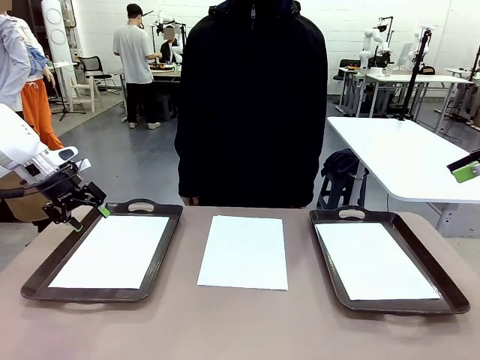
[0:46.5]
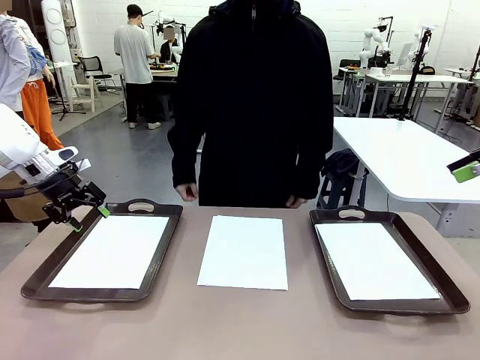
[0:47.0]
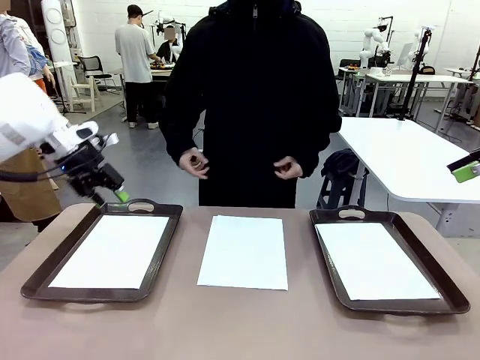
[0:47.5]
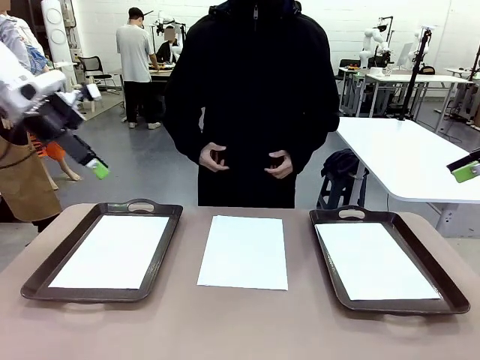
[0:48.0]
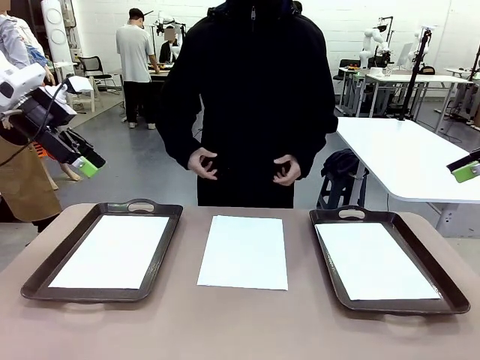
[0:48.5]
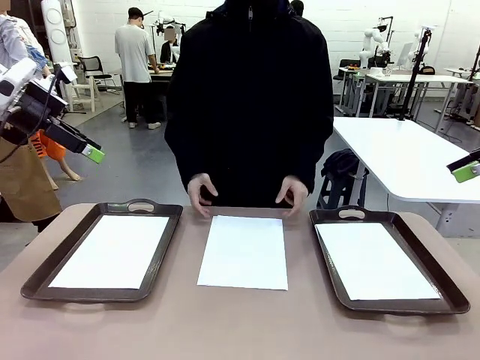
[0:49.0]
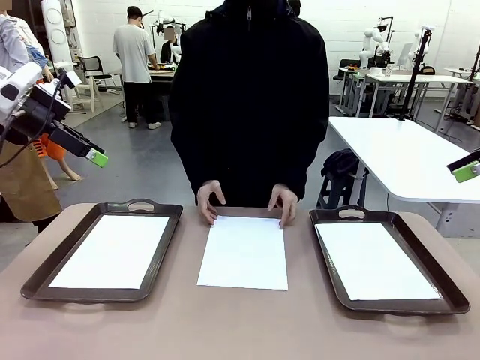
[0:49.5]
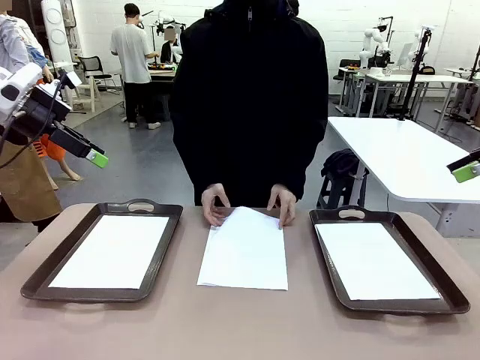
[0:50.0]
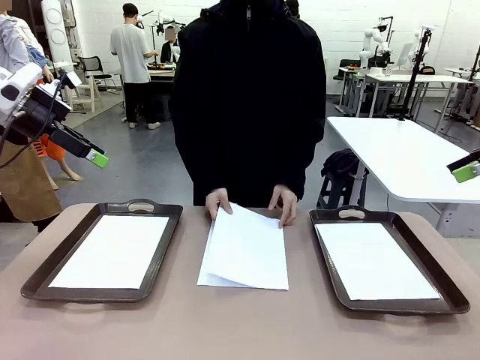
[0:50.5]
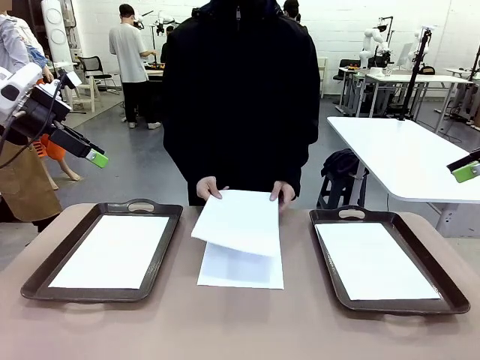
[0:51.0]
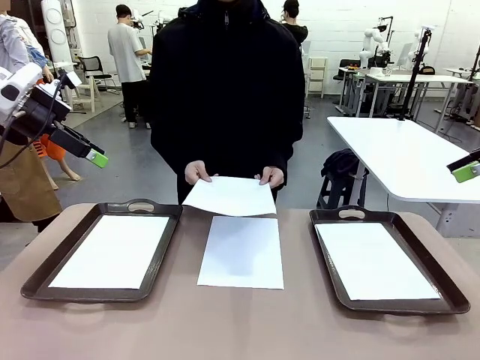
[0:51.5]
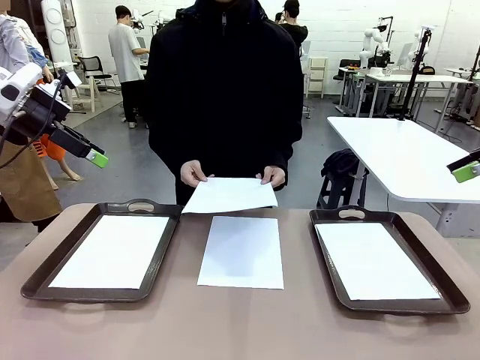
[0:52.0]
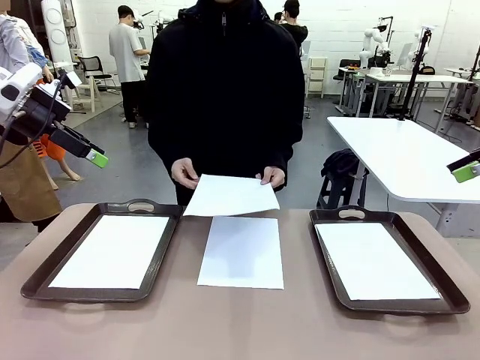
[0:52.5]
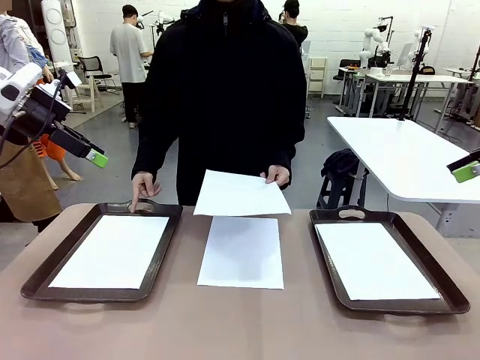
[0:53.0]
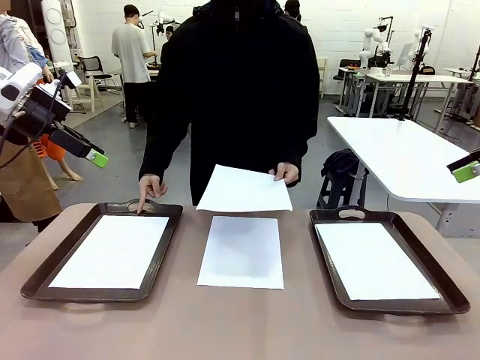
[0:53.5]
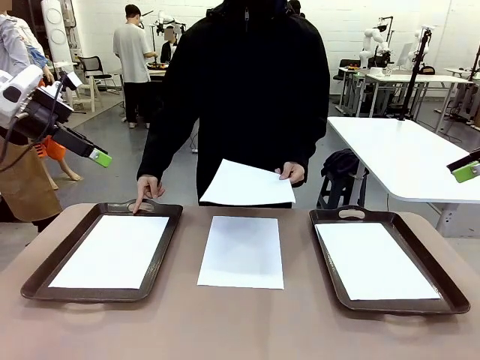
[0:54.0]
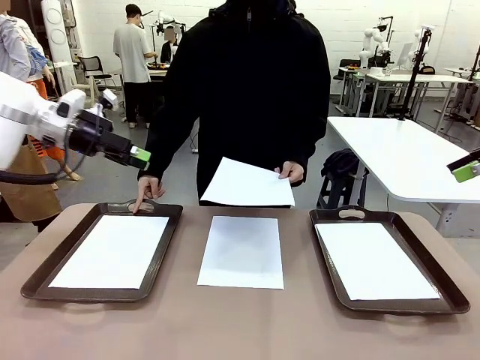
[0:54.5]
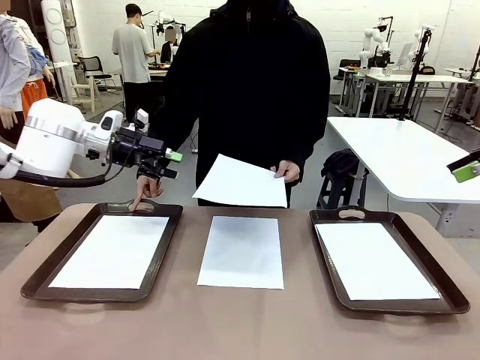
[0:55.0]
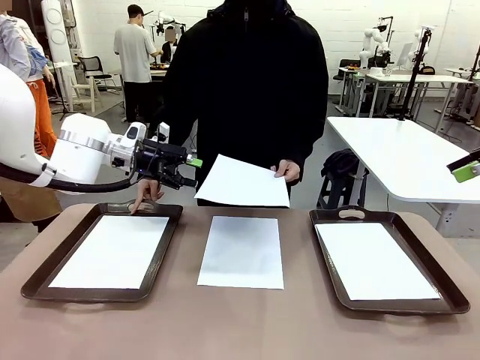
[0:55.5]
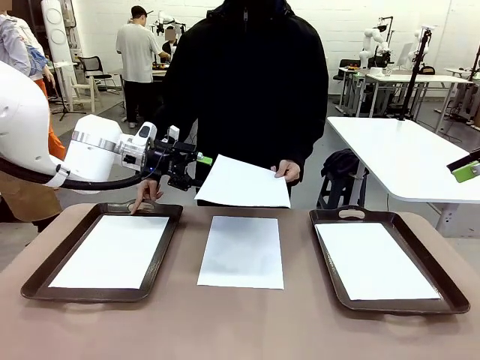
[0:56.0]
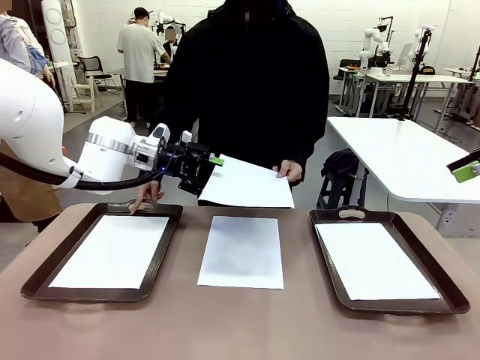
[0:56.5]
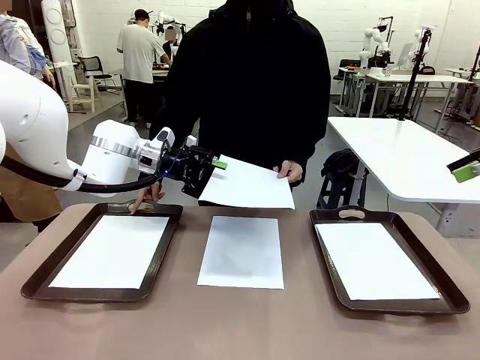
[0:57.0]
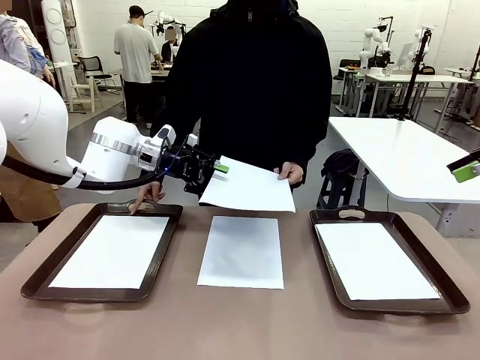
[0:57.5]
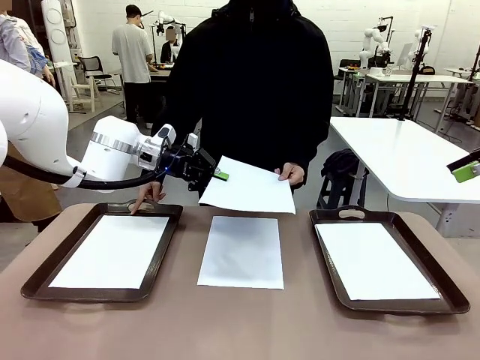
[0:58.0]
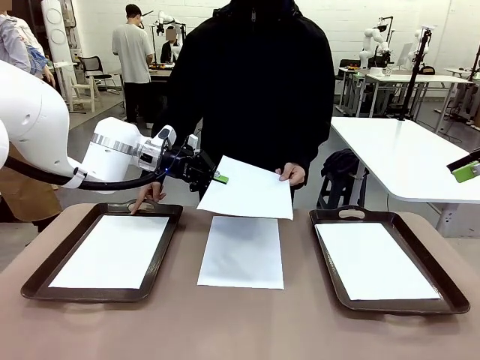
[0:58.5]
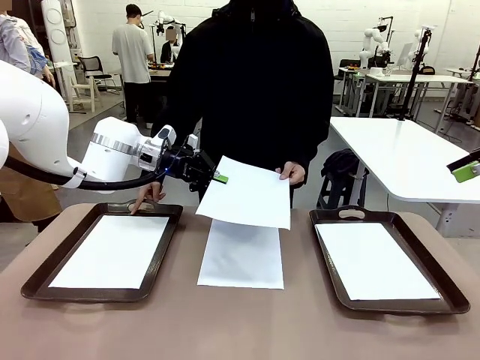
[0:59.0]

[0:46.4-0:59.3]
Task: Sort the A4 documents.
Robot: Receive the A4 Paper.
Person: Point the randomly selected tray with the other hand.

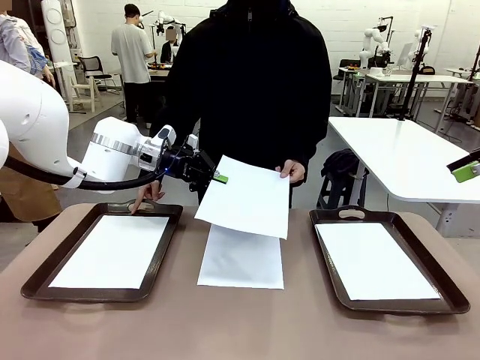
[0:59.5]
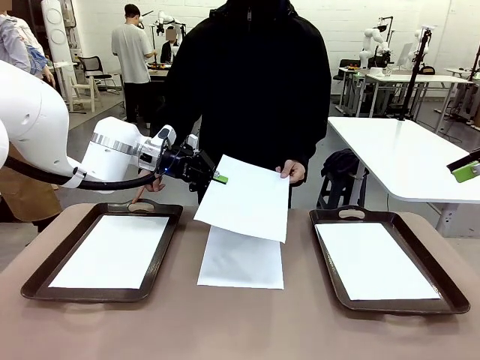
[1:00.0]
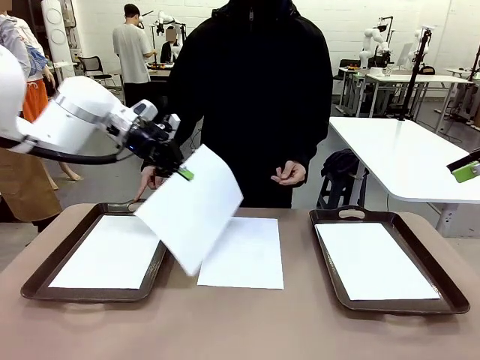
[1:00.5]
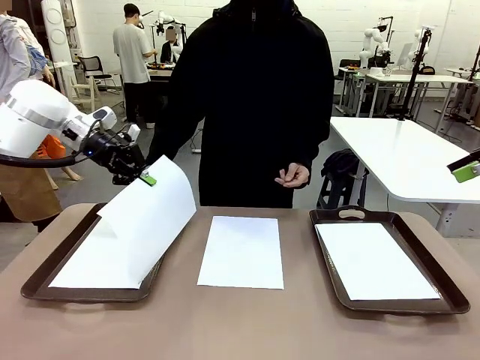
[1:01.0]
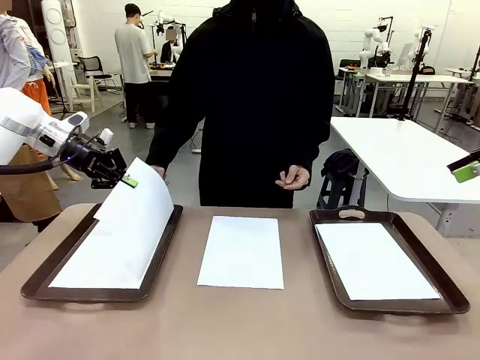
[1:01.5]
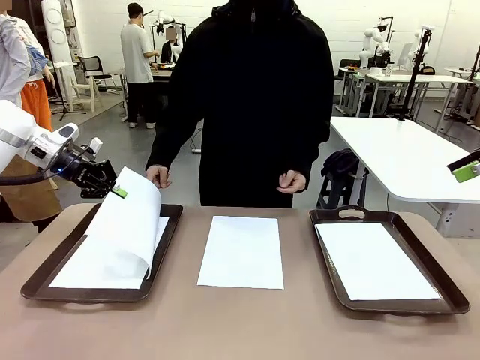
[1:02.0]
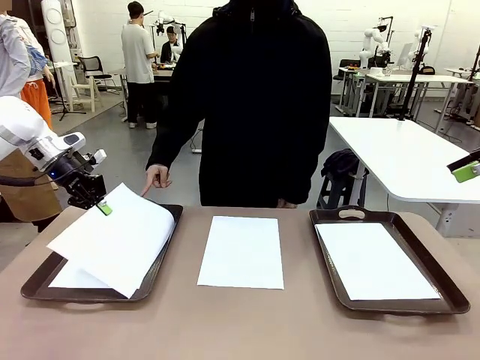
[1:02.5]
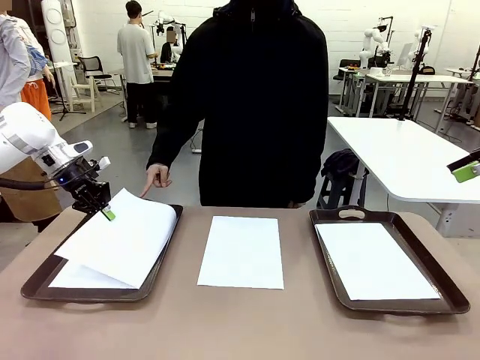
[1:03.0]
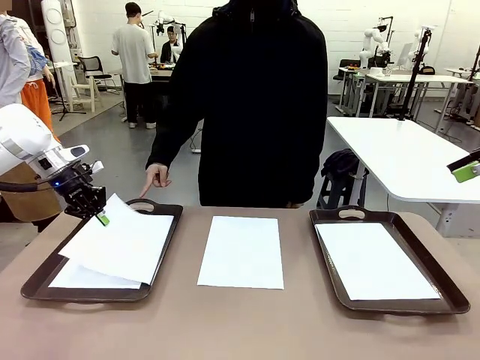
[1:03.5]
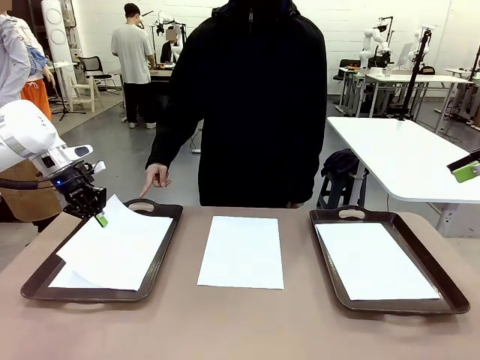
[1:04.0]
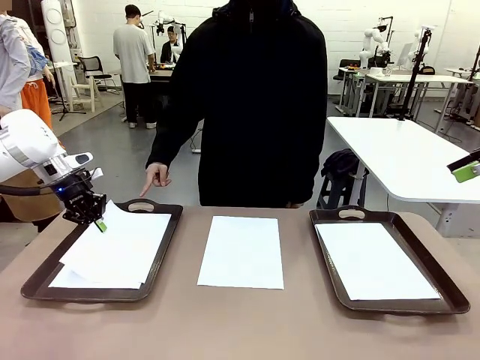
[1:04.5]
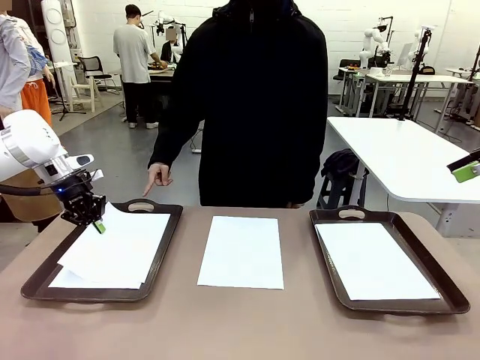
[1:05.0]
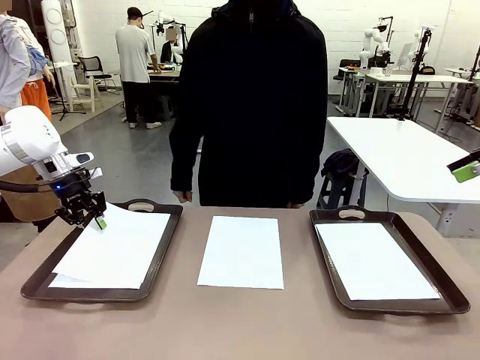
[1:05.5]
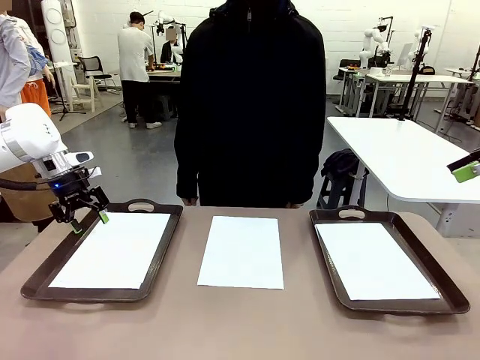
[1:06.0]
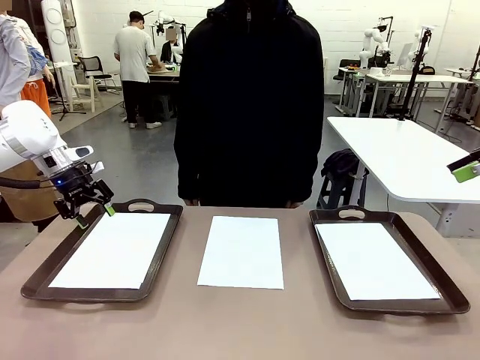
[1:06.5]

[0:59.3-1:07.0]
Robot: Place the A4 Paper in the designated Handle tray.

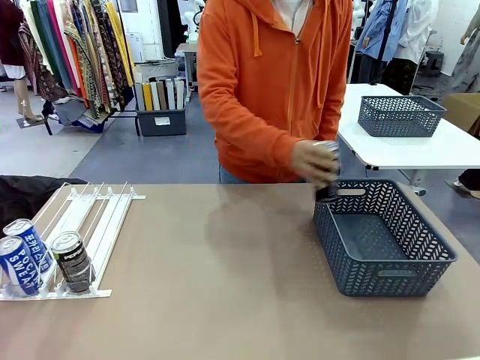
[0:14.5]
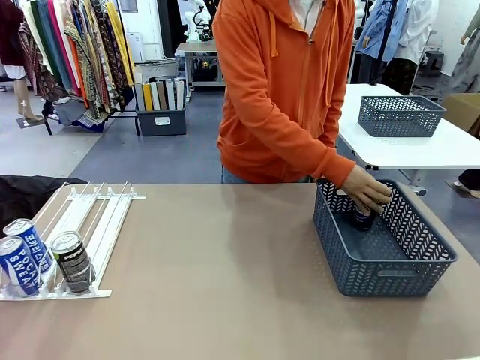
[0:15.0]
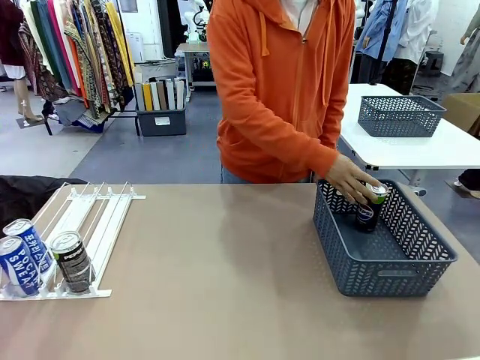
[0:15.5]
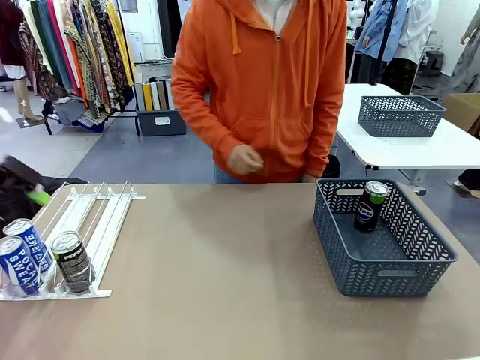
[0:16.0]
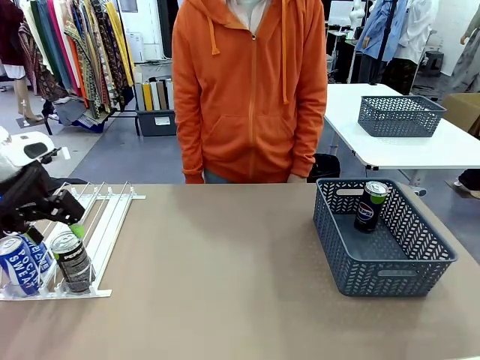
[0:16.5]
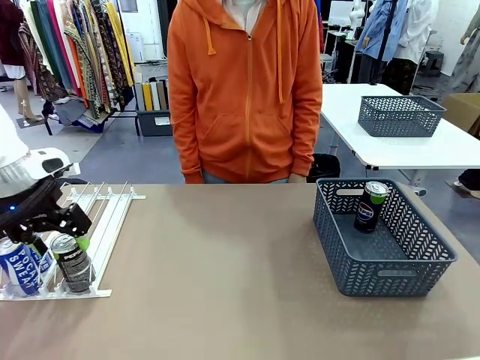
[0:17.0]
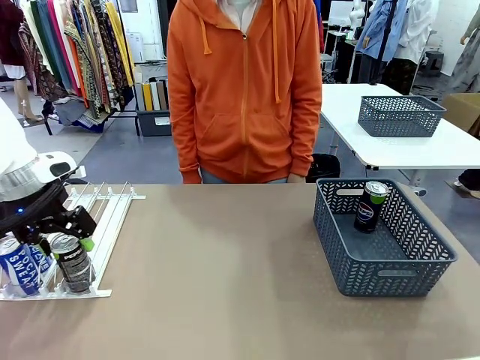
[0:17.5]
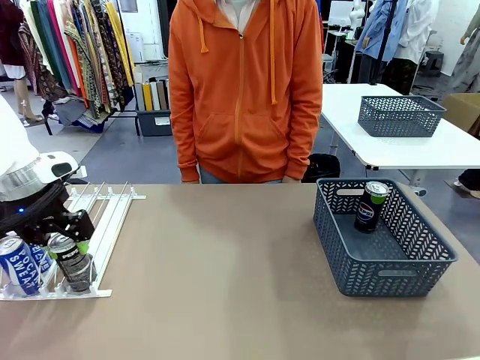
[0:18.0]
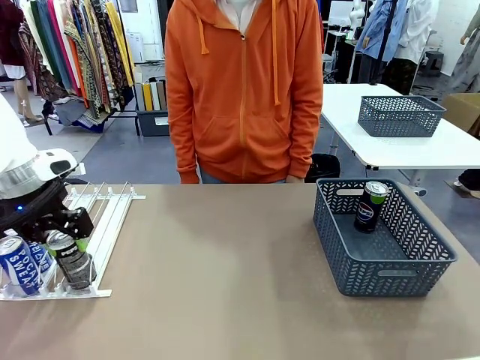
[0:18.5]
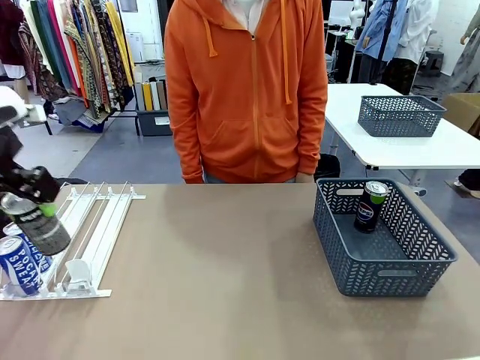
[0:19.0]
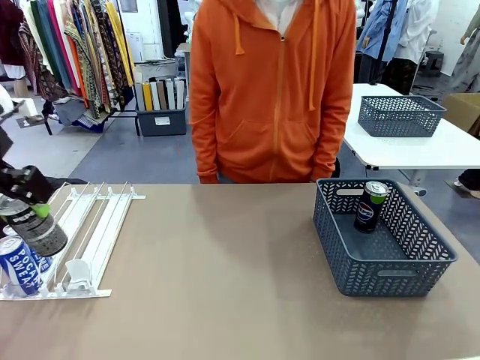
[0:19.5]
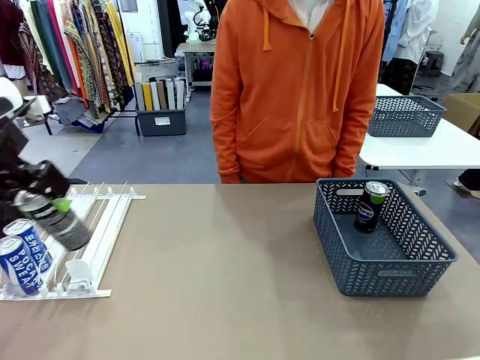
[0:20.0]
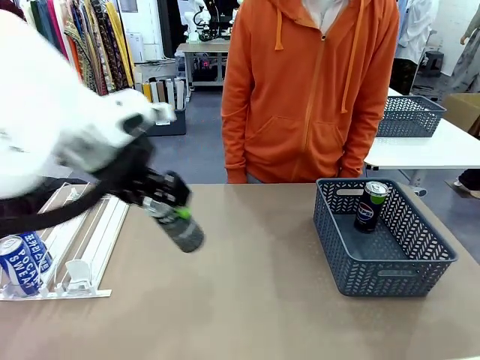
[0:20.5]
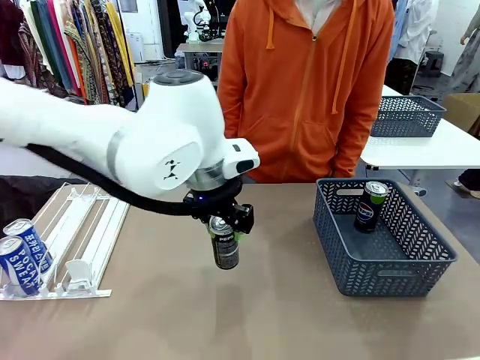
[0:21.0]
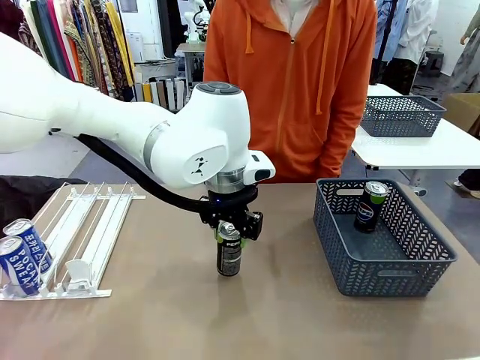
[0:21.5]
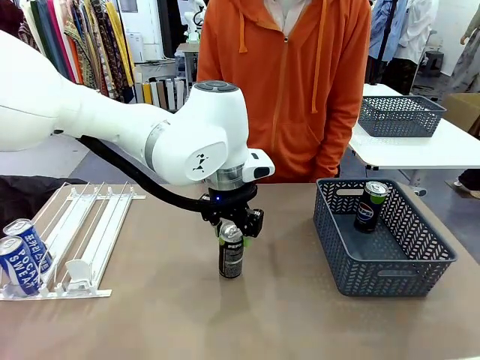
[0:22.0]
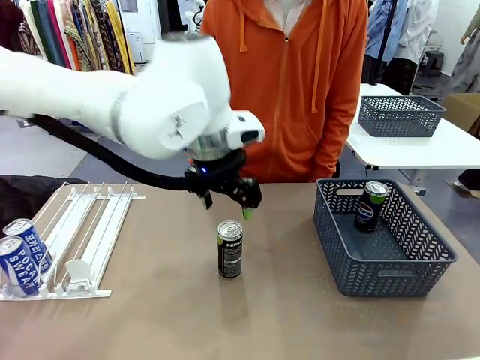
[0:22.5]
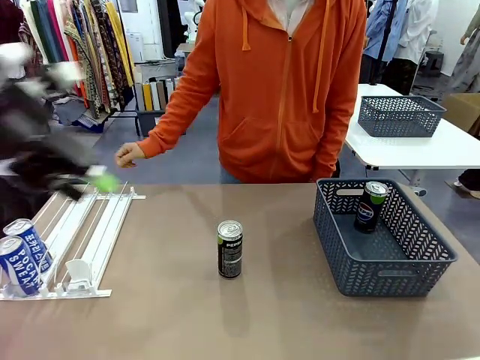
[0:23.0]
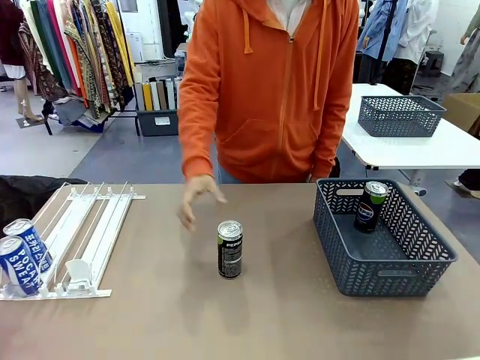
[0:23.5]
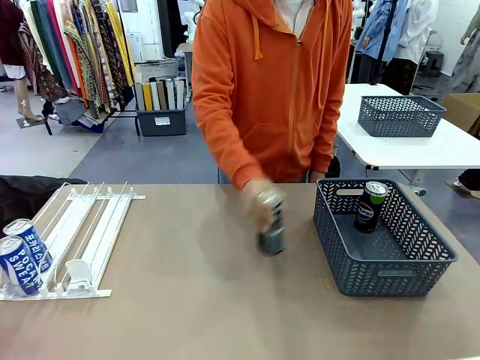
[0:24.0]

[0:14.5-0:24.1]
Task: Retrieve and store the cans from the dispenser.
Robot: Pick up the last remaining can from one row of the Automatic Can Dispenser and place it in the middle of the table.
Person: Pick up one Pepsi can from the middle of the robot table and place it in the basket.
